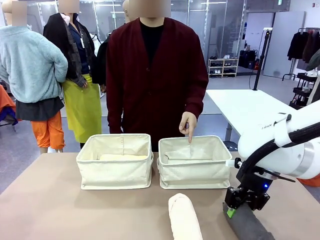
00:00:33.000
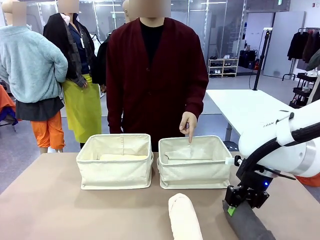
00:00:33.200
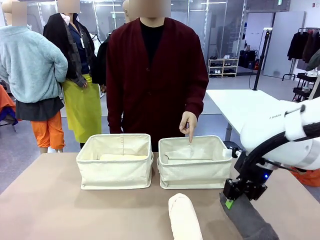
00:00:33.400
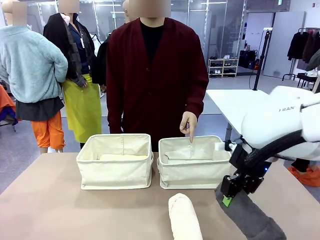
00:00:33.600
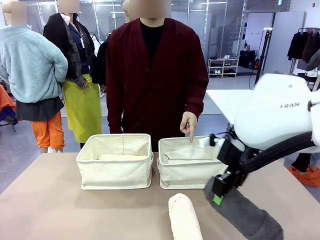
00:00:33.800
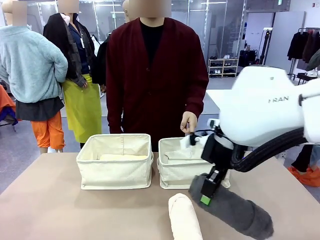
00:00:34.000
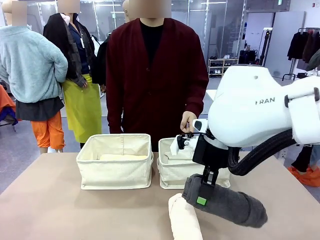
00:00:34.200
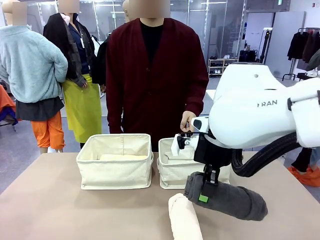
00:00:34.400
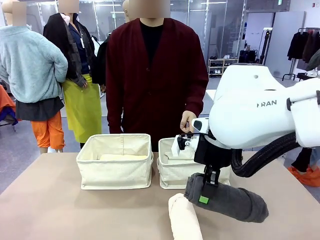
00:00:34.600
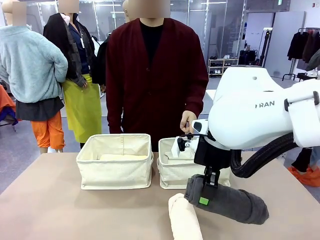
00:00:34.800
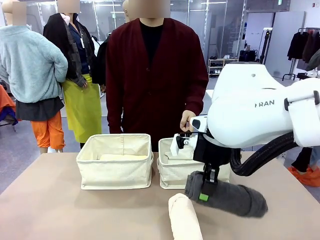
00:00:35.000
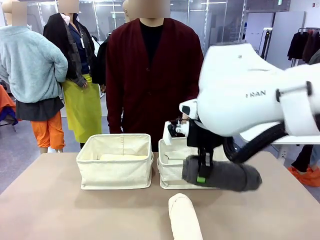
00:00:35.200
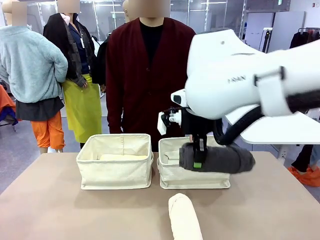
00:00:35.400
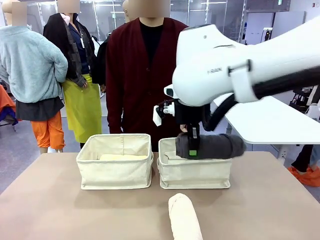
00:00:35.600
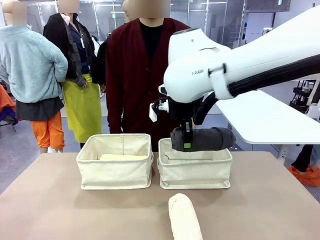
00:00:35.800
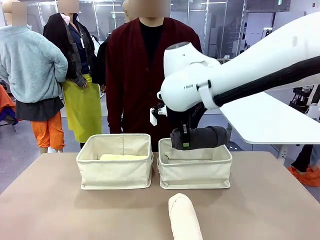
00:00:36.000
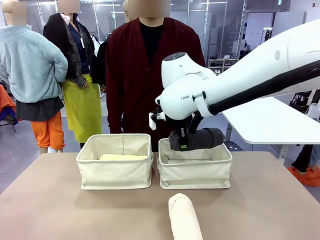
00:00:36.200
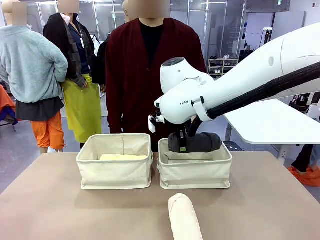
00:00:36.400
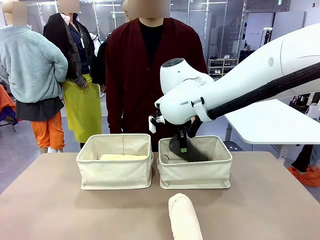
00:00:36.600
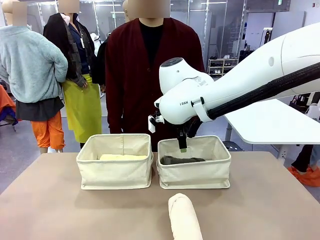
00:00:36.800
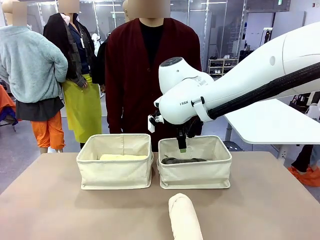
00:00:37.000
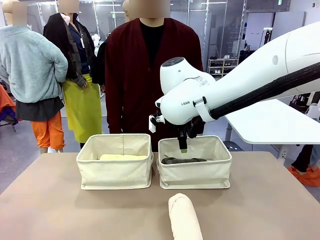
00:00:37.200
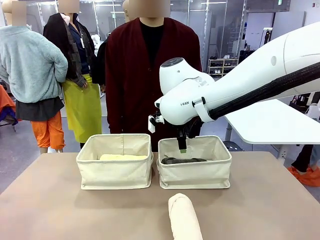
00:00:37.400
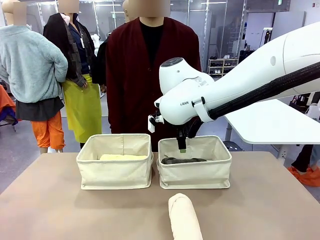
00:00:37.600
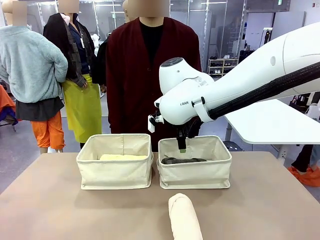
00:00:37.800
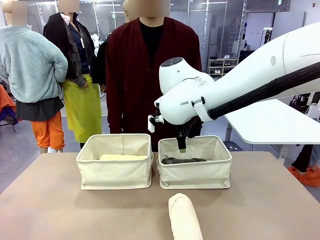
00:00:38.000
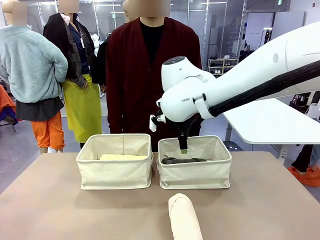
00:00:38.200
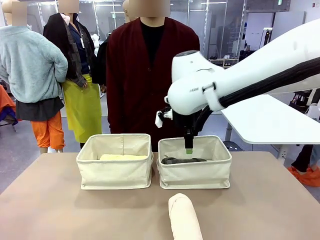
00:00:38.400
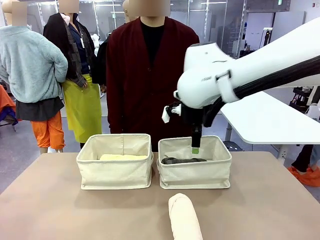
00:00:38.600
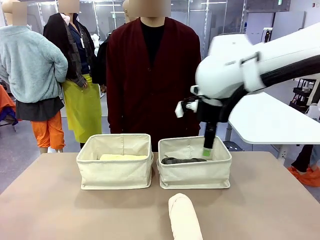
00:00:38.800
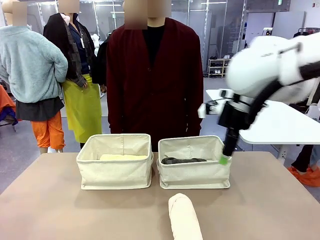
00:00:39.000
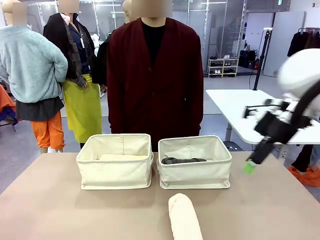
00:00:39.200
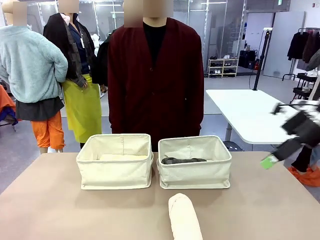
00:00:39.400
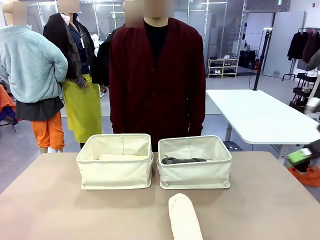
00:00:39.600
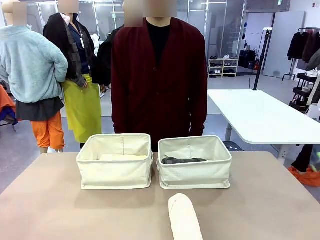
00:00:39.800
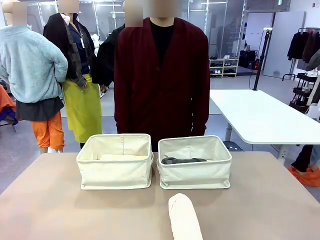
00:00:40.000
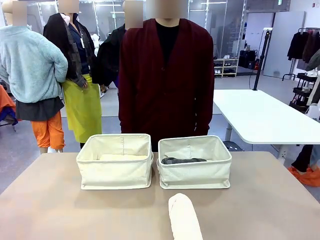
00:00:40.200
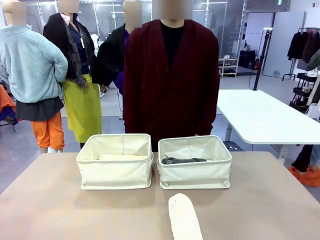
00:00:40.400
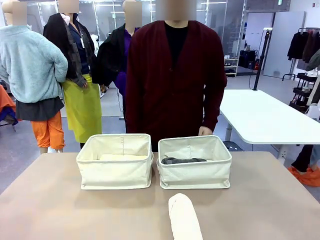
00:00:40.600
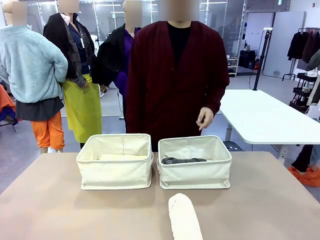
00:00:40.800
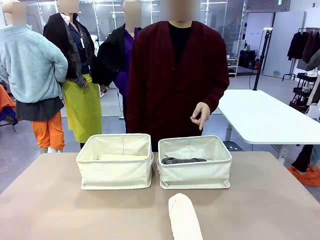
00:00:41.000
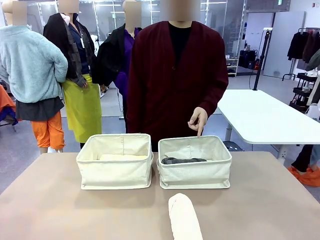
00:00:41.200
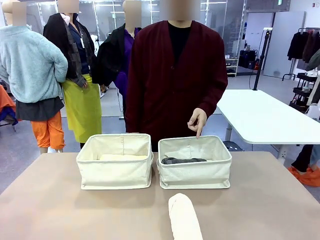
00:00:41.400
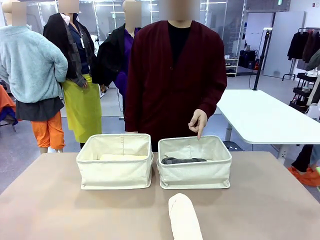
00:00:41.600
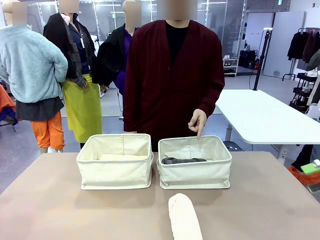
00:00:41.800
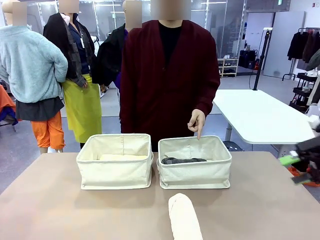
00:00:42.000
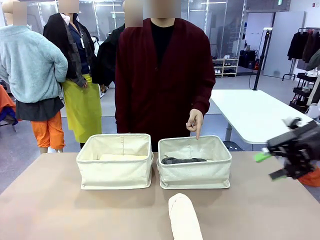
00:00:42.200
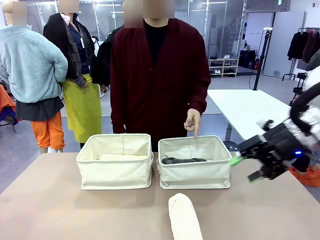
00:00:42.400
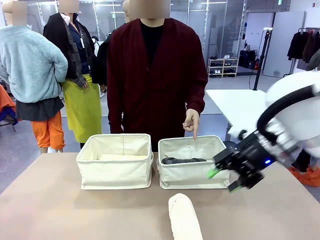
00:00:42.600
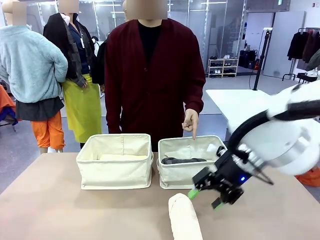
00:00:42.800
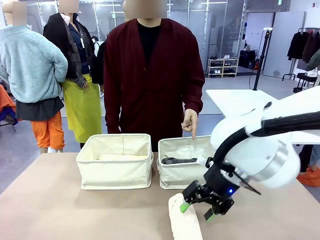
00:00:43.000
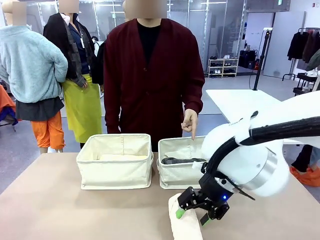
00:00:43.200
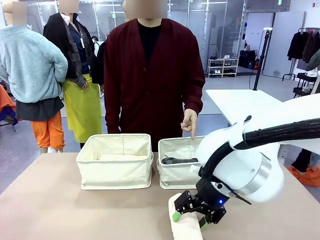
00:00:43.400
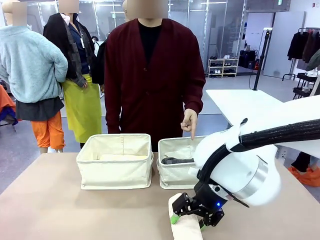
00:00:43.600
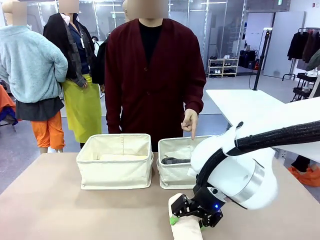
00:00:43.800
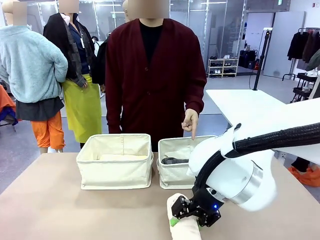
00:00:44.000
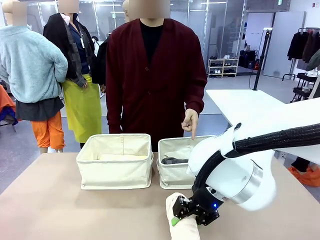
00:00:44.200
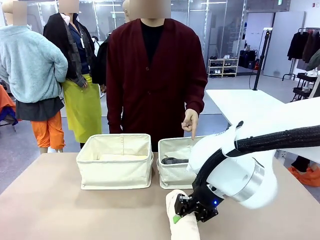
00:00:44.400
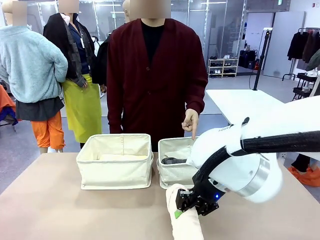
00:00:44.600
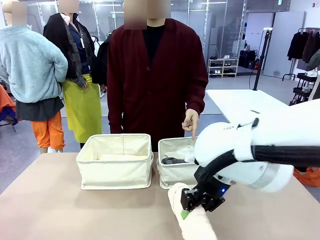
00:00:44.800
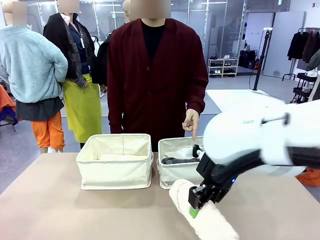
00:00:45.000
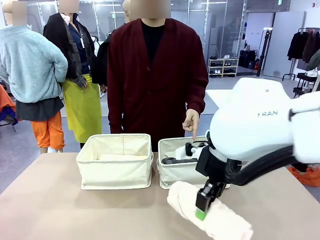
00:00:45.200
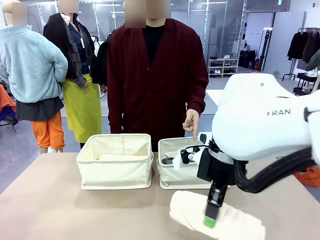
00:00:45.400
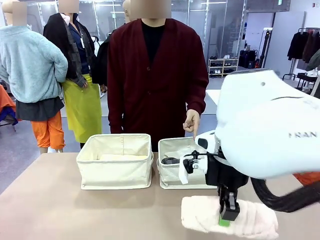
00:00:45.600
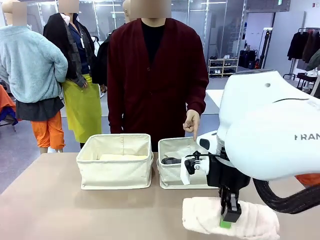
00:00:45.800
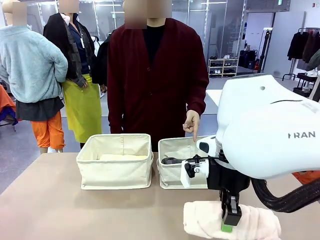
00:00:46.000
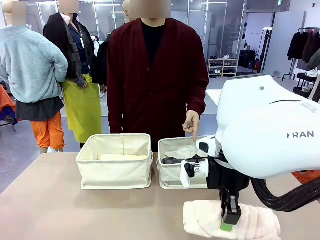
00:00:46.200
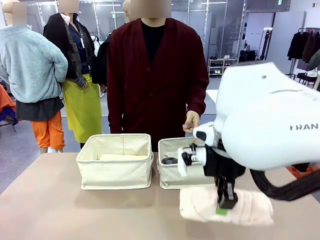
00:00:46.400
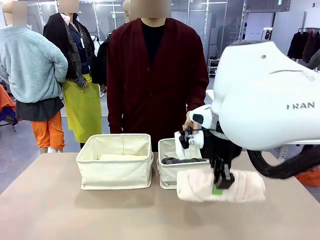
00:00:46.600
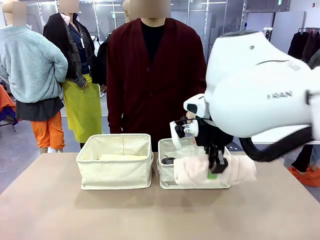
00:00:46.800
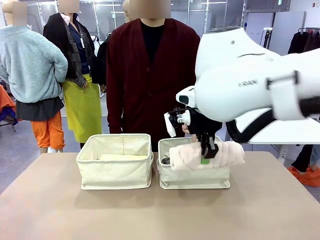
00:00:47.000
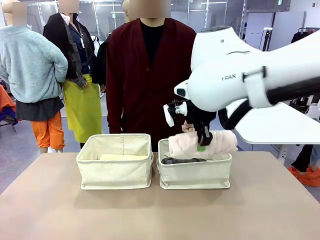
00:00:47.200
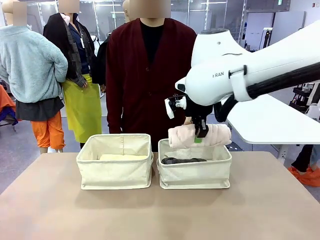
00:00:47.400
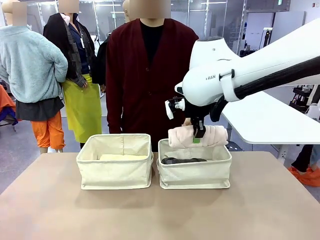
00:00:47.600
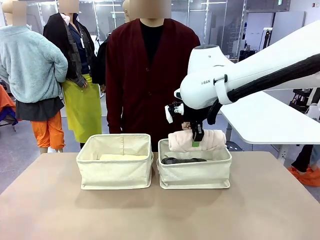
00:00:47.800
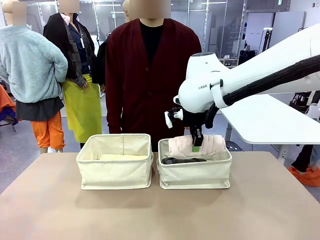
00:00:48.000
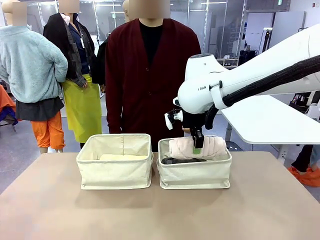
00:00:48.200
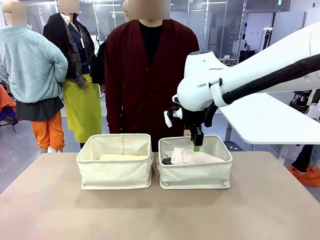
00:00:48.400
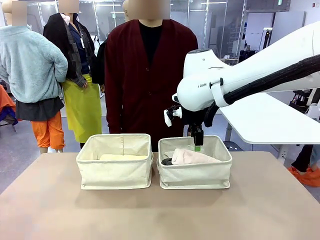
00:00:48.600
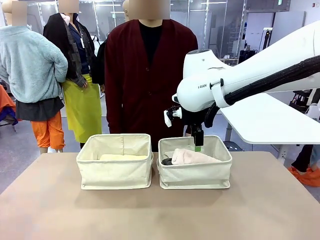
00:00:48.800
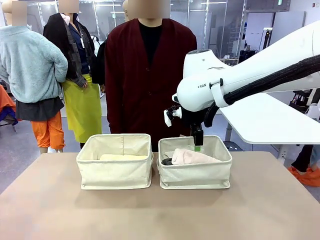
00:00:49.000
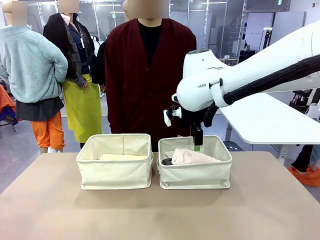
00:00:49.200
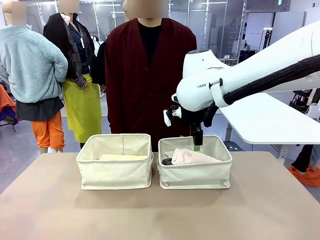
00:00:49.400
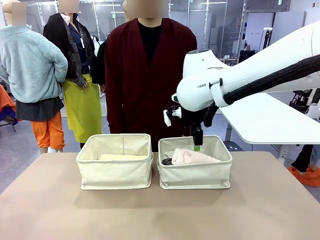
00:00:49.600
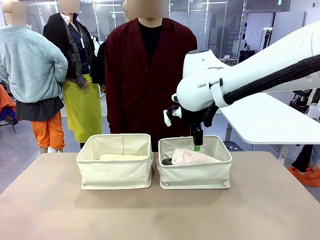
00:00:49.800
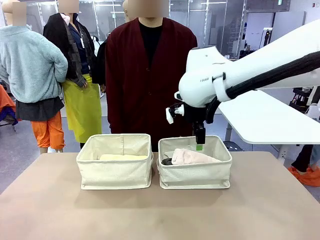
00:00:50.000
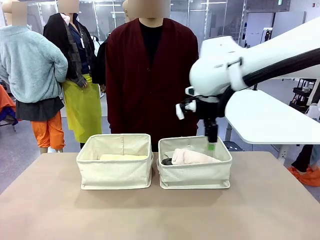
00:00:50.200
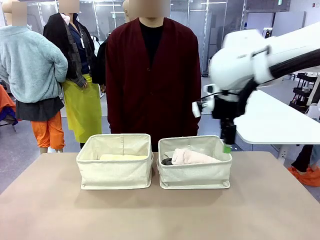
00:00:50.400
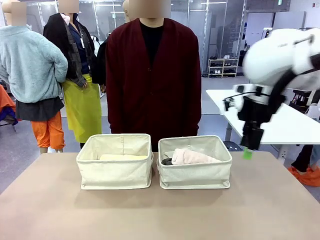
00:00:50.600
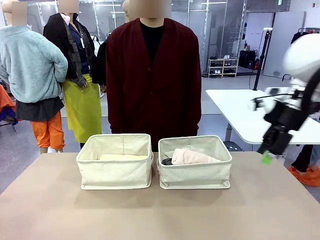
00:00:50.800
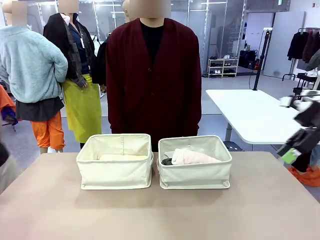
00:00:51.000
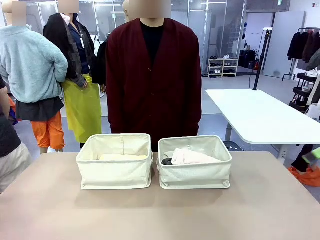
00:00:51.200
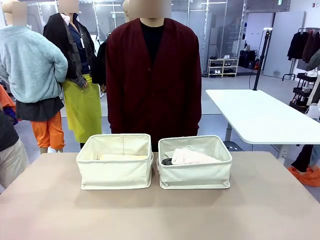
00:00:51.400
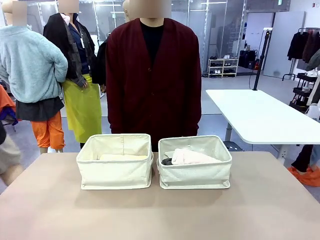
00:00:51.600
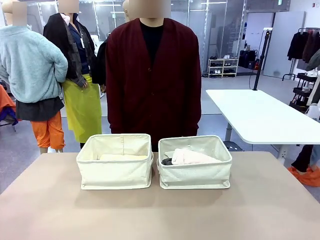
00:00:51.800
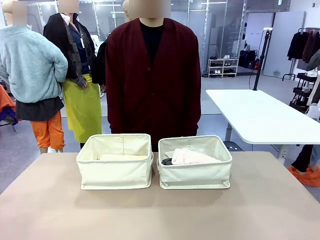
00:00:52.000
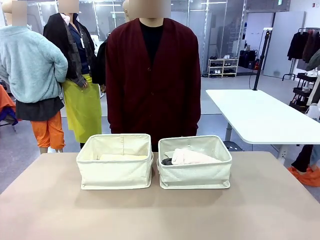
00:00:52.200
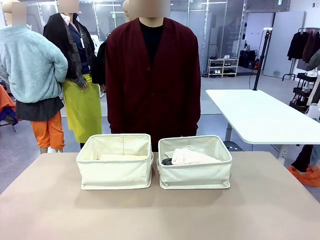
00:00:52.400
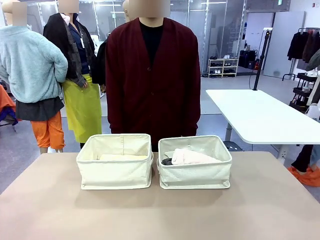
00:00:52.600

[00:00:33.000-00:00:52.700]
Task: Divide the towels into two baskets.
Robot: Pick up one hotel-folded towel from the bottom of the table and place it in the Fabric basket indicated by the person.
